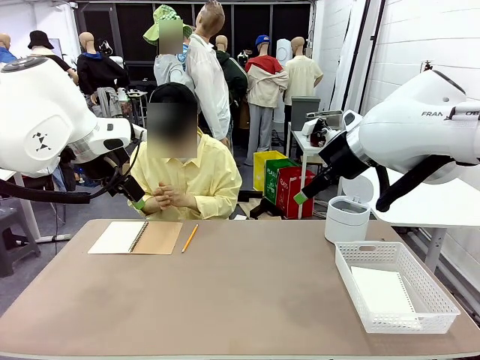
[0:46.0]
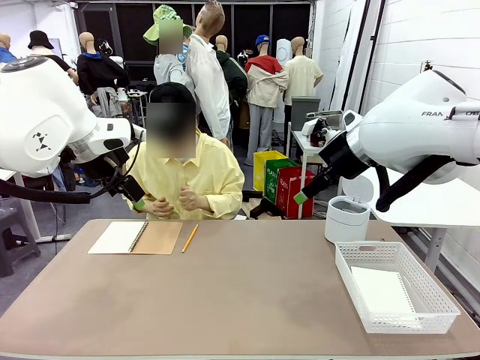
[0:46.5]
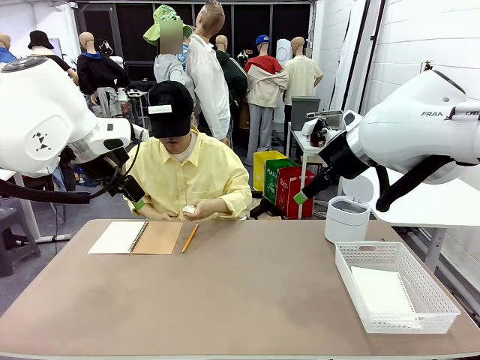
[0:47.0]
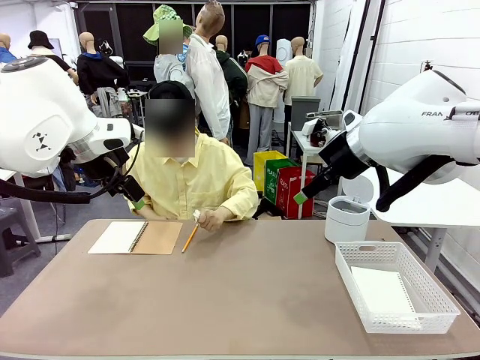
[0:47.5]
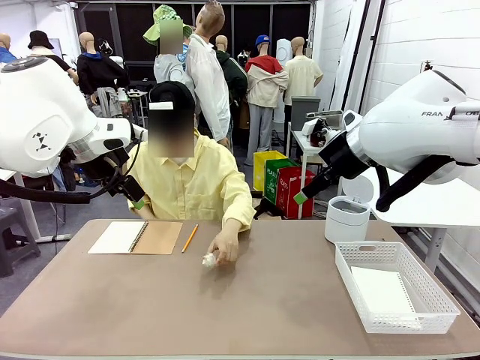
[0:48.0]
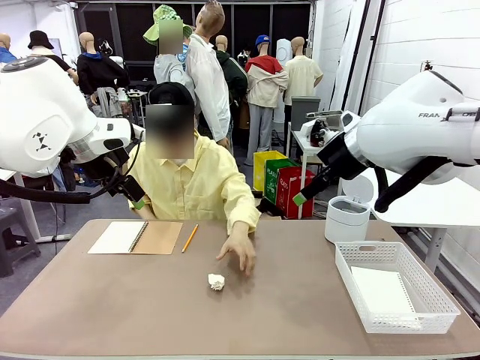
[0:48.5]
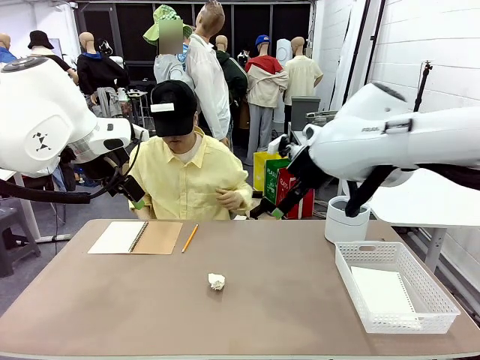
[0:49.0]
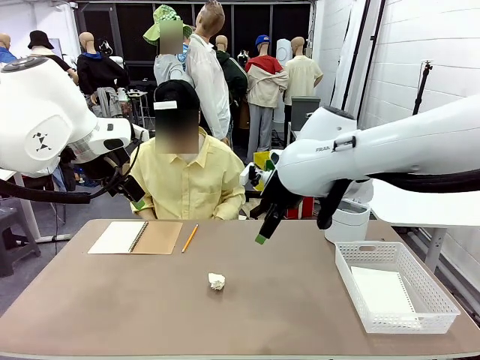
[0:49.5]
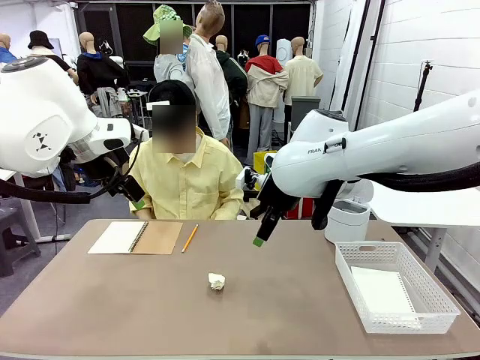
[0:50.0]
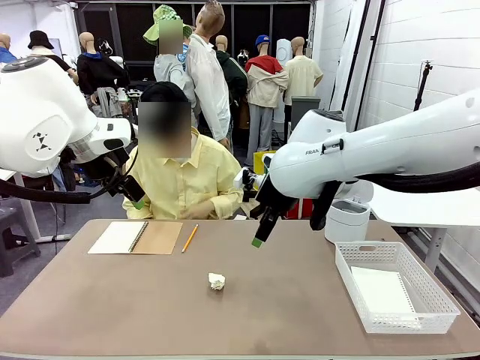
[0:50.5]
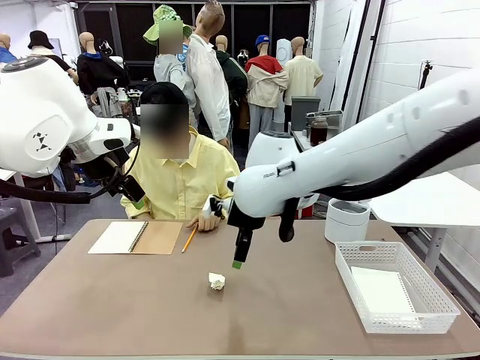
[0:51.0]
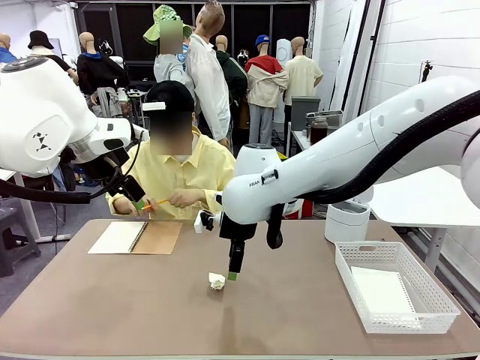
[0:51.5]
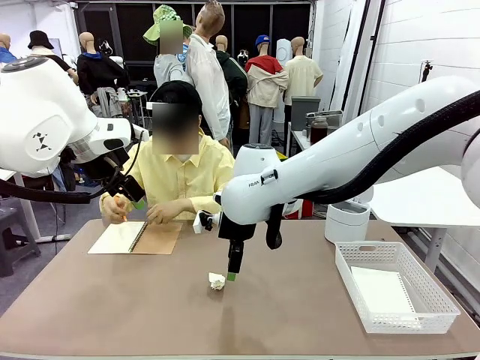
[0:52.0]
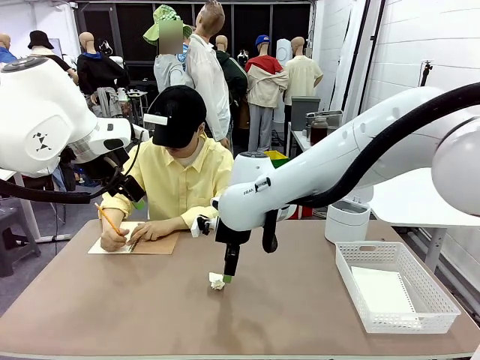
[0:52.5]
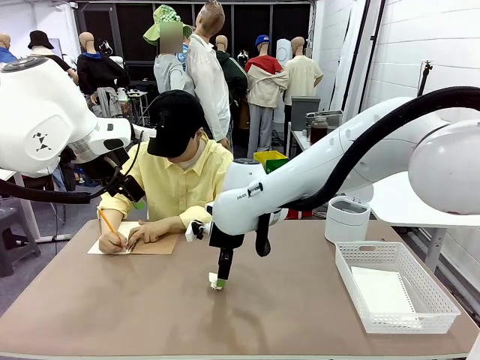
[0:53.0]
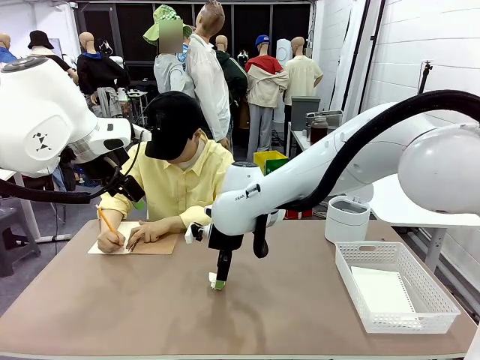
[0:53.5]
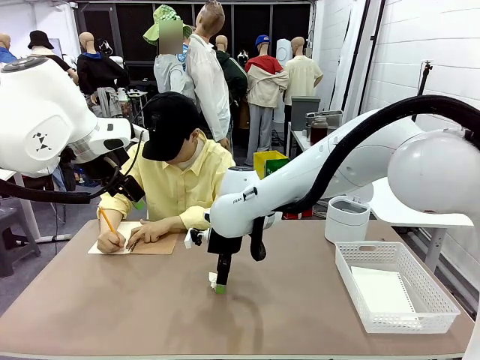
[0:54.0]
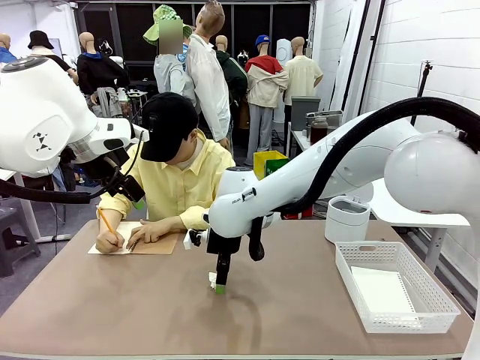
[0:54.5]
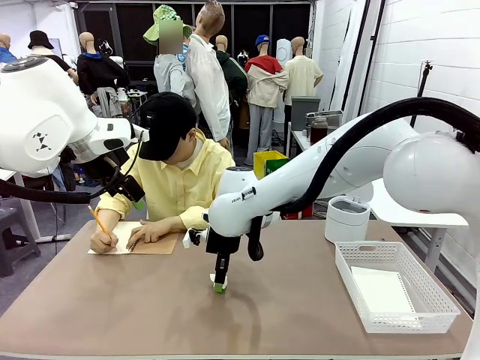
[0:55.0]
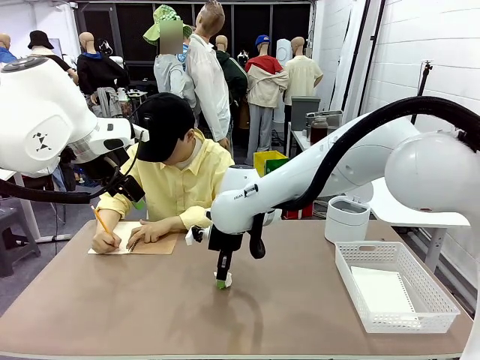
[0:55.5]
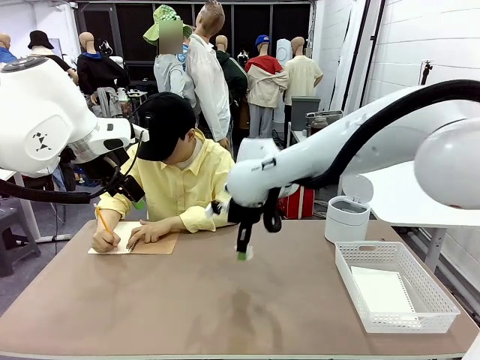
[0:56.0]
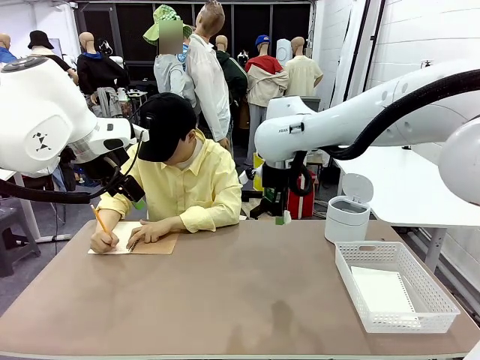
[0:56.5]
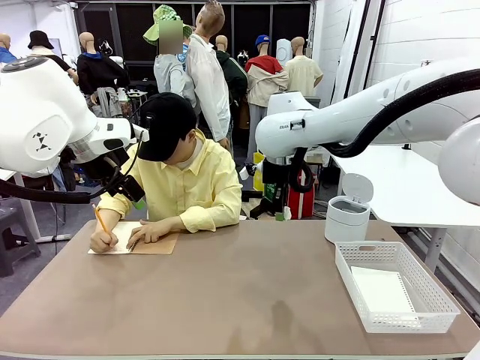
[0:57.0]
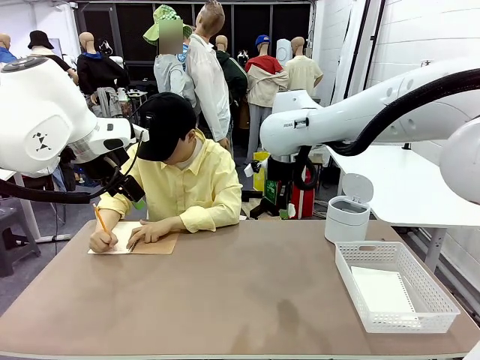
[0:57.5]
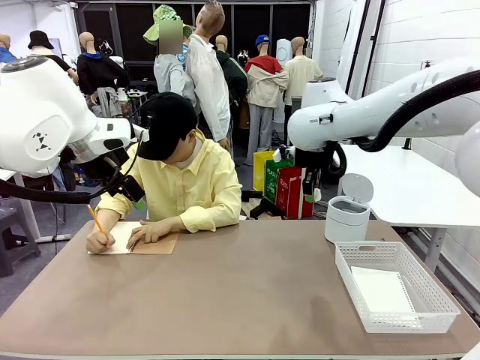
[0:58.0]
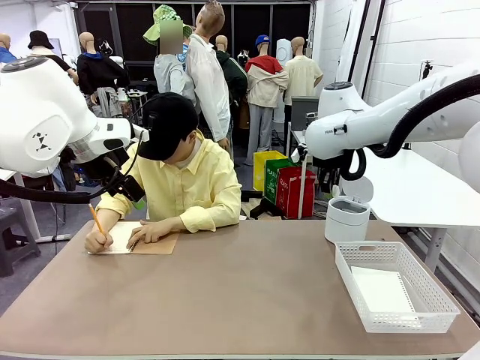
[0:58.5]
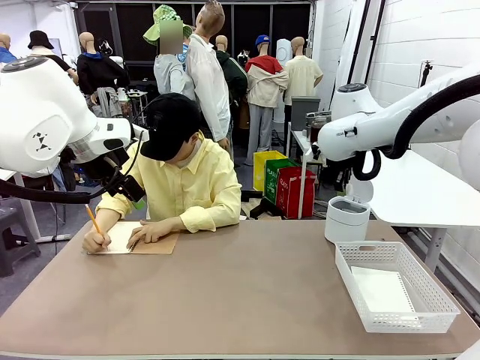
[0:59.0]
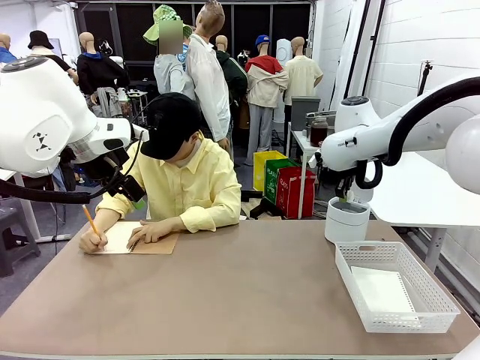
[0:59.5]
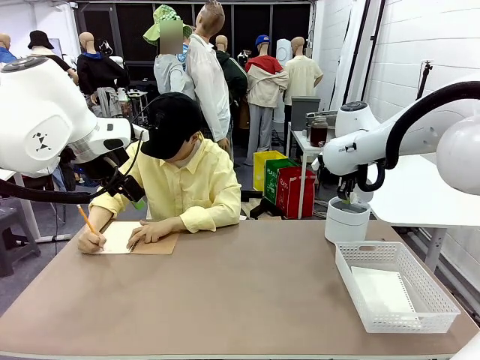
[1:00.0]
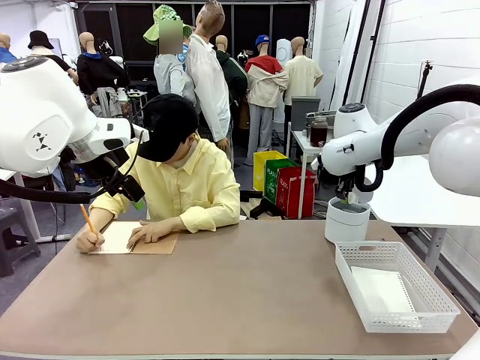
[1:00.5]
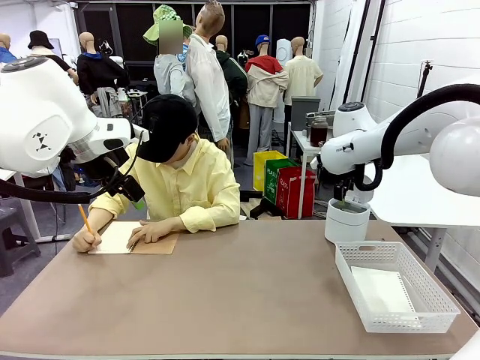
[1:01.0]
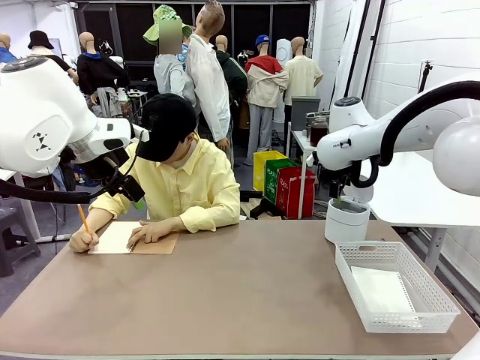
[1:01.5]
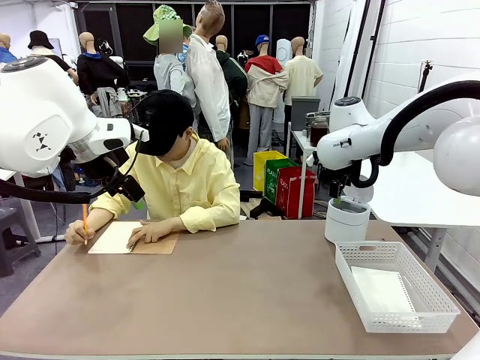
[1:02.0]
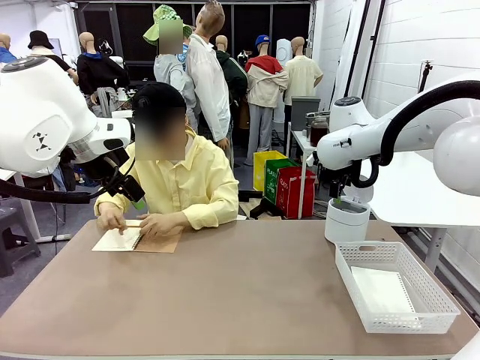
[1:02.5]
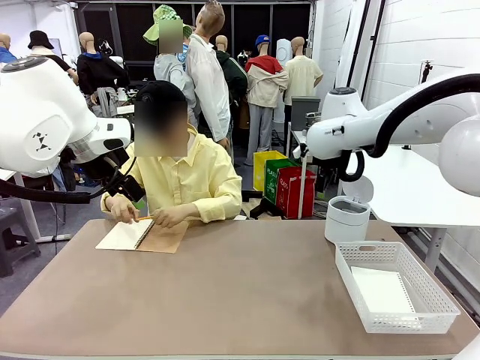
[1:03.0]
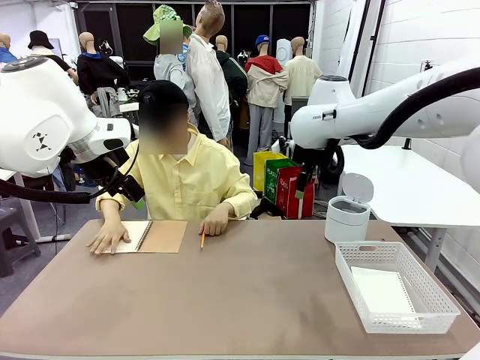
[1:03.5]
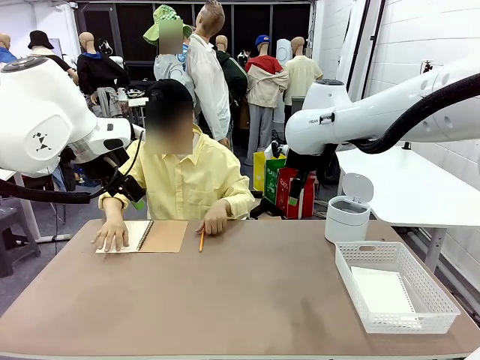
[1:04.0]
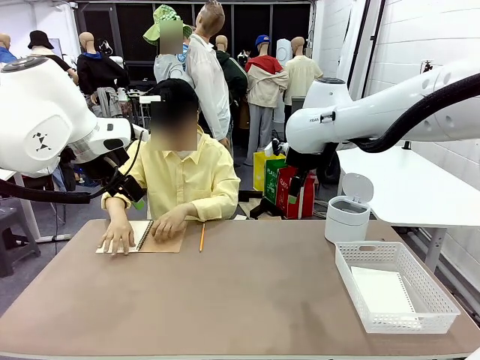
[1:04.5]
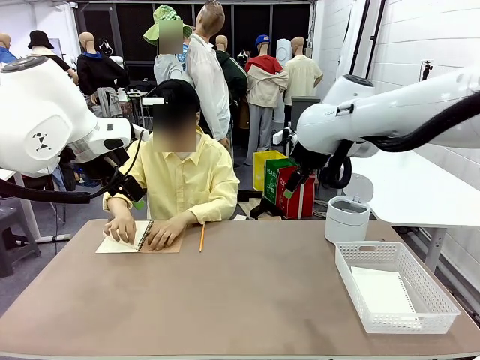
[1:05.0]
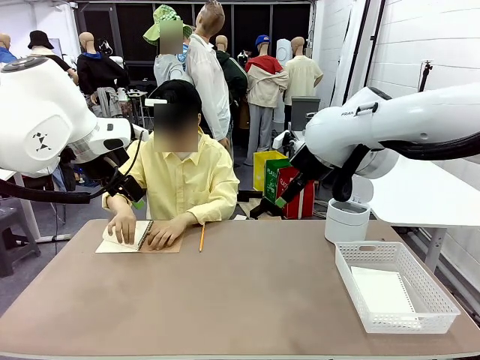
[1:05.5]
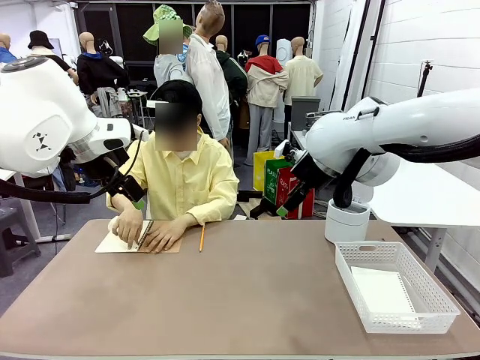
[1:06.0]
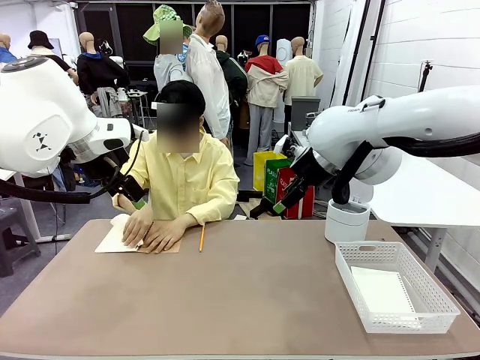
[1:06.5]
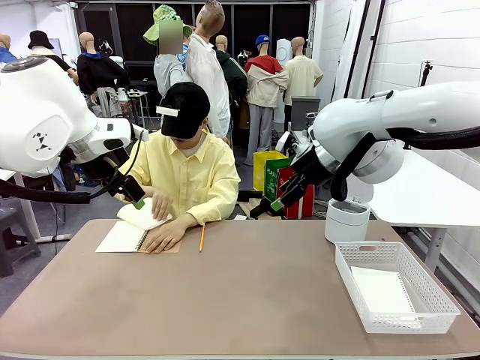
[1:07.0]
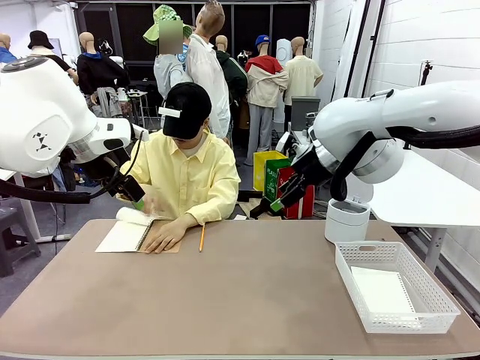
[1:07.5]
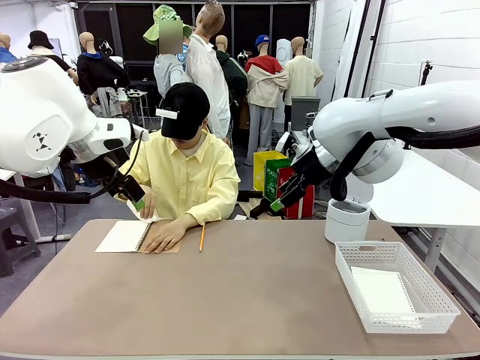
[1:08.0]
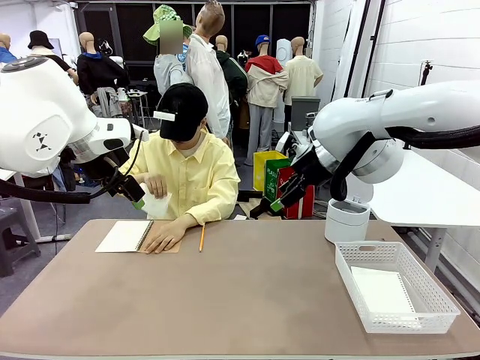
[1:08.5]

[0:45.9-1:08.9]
Task: Sort the paper based on its condition.
Robot: If a person hands you a paper, place it in the Organizing basket , and if it's crumpled, put it in the Trash can.
Person: Tear out a page from the spiral notebook.

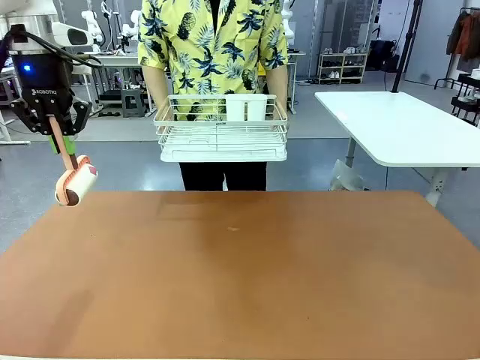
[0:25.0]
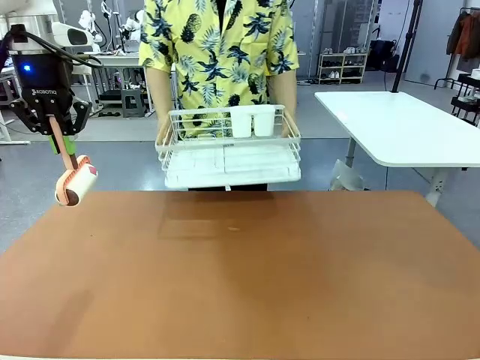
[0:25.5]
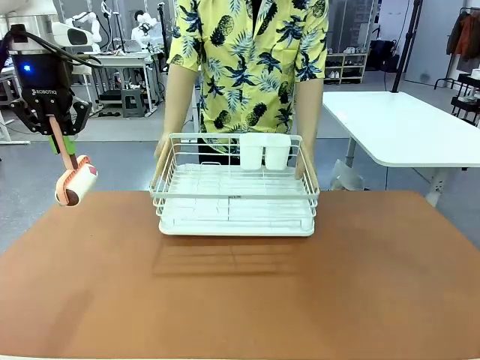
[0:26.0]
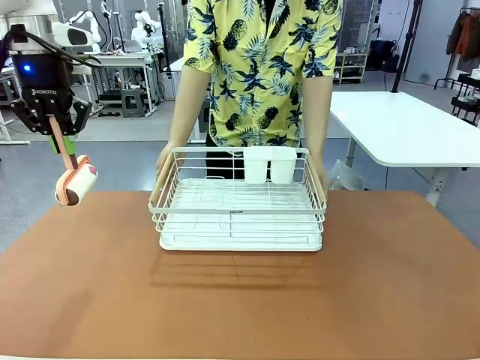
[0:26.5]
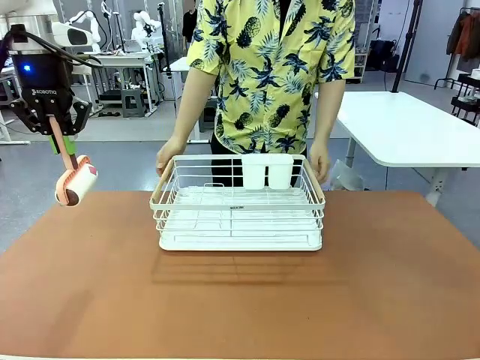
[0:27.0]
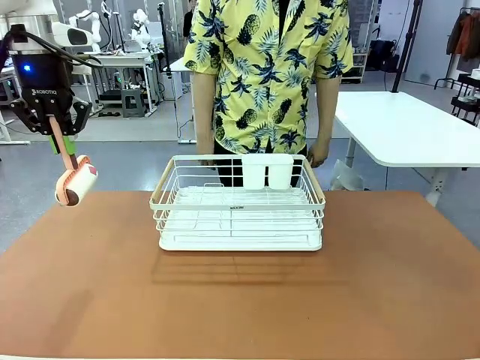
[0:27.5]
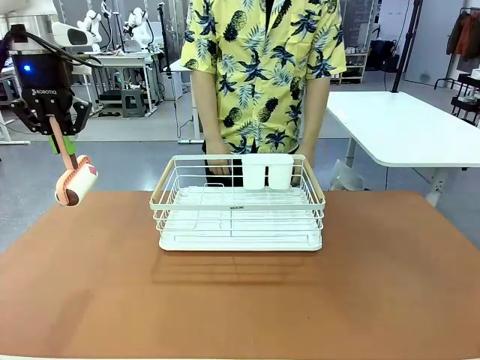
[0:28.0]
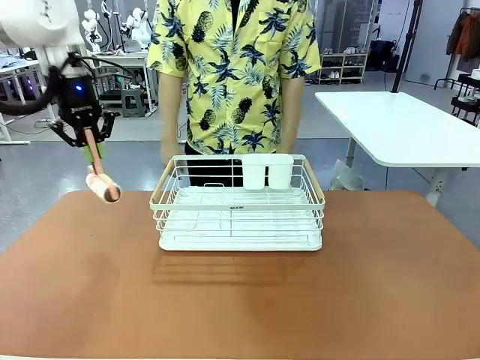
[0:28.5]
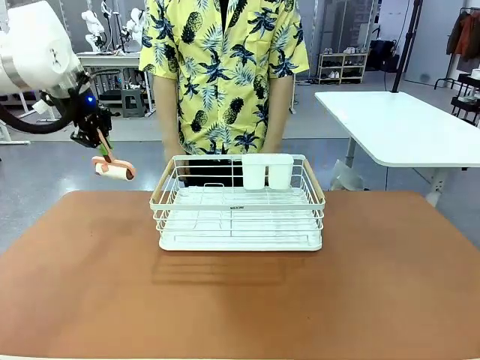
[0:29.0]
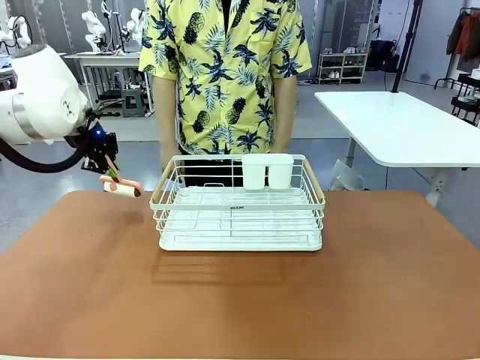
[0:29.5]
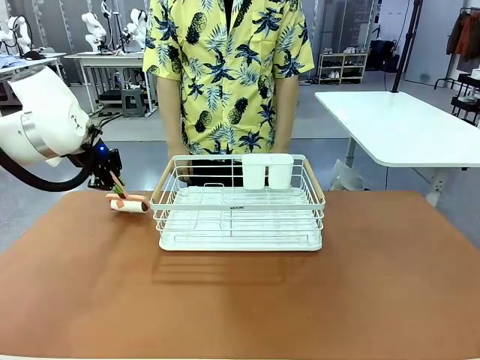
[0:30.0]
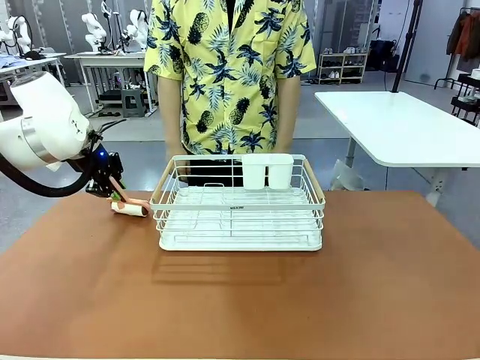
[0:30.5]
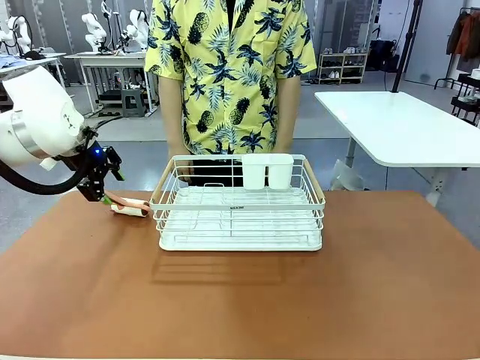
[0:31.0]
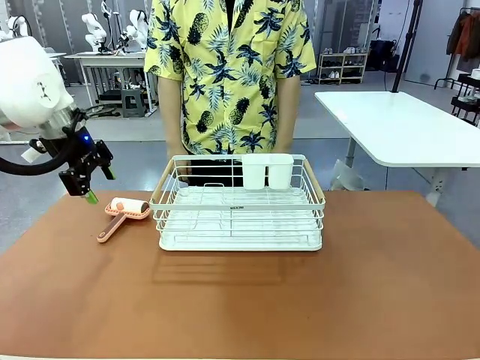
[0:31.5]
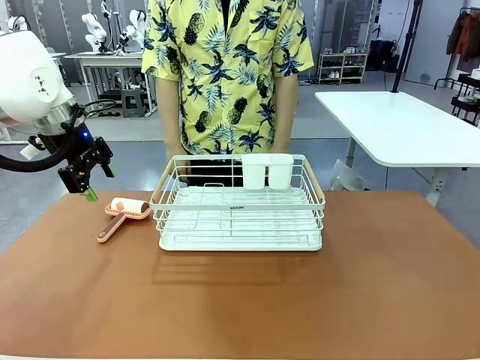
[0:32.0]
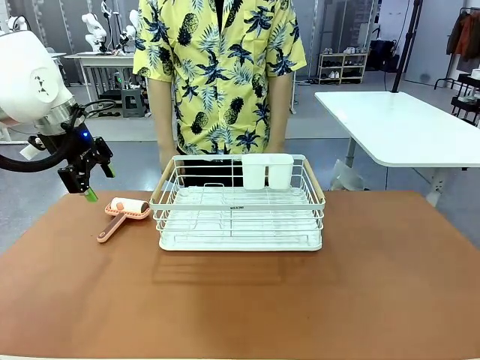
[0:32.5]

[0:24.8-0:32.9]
Task: Clean the table.
Robot: Place the Lint Roller down when the Dish drying rack is positioned in the middle of the table.
